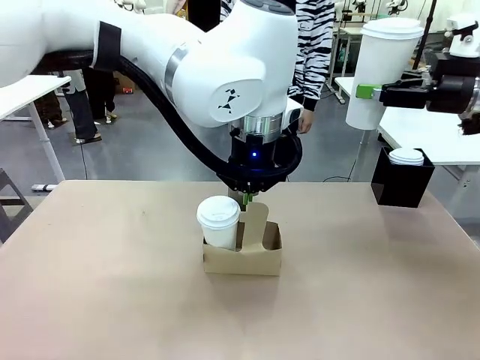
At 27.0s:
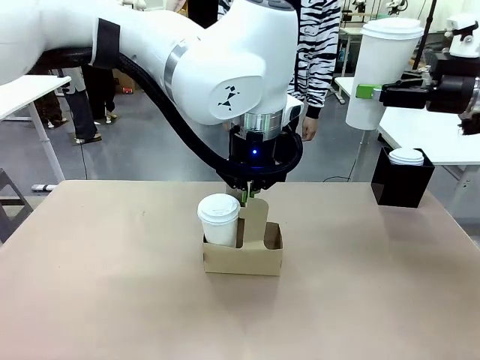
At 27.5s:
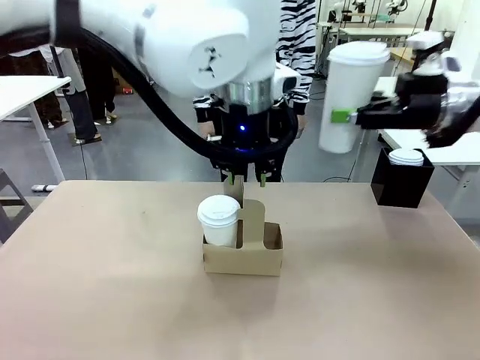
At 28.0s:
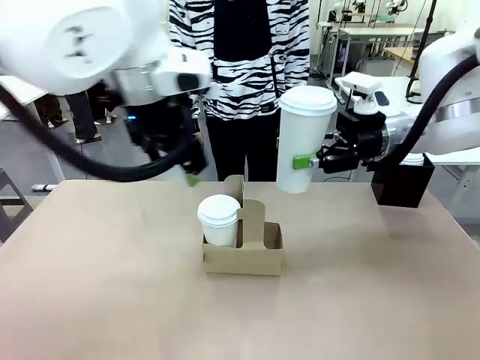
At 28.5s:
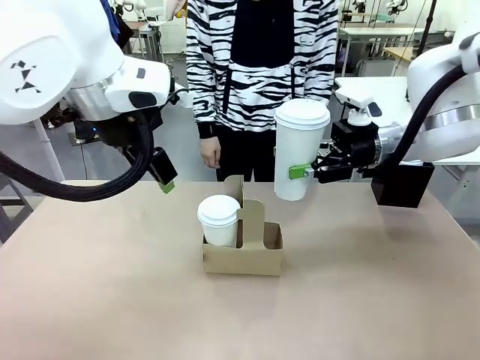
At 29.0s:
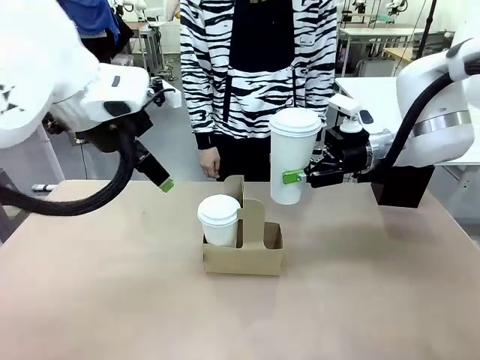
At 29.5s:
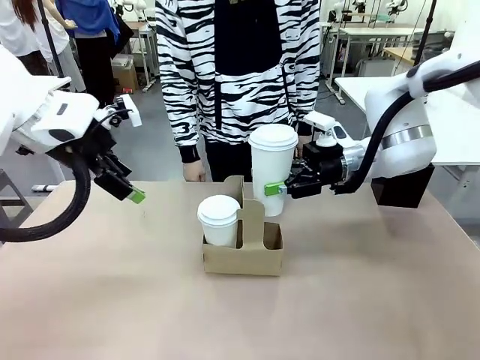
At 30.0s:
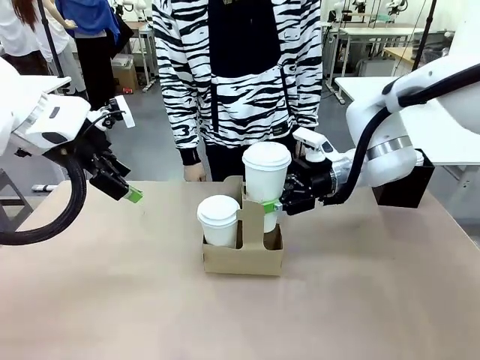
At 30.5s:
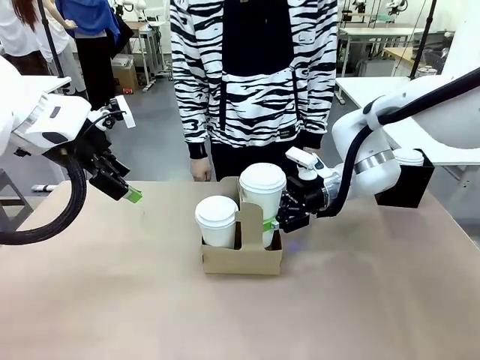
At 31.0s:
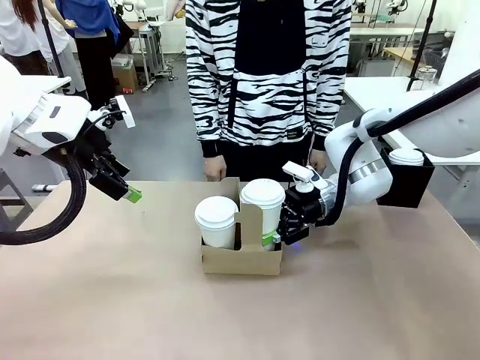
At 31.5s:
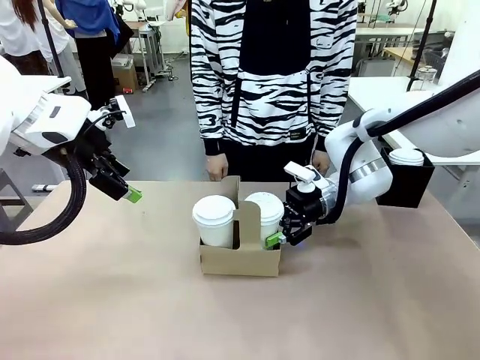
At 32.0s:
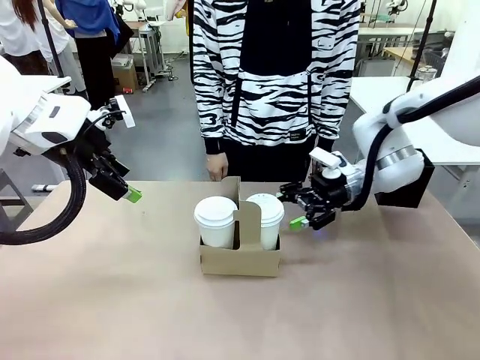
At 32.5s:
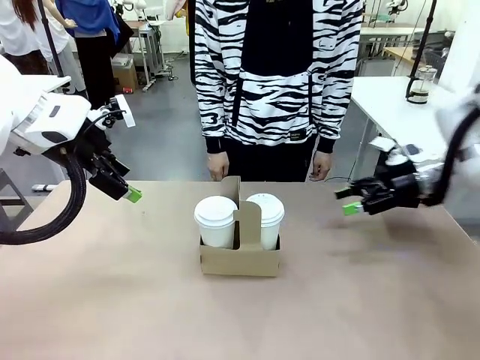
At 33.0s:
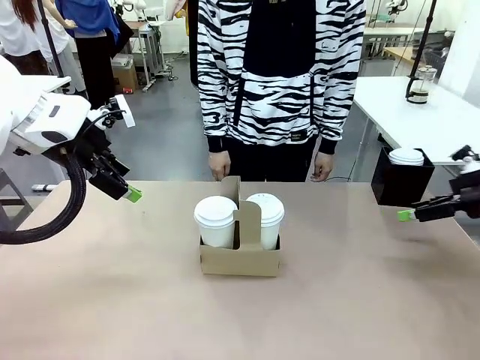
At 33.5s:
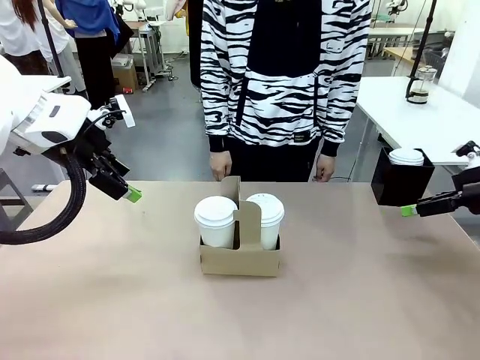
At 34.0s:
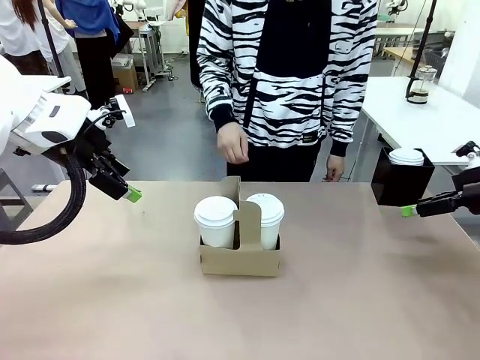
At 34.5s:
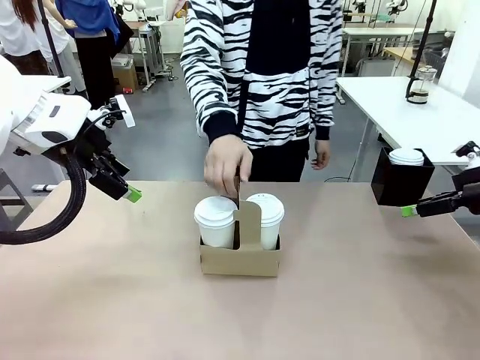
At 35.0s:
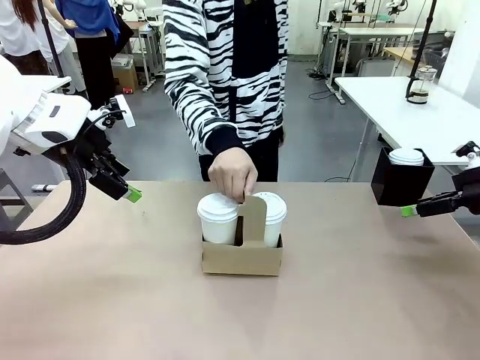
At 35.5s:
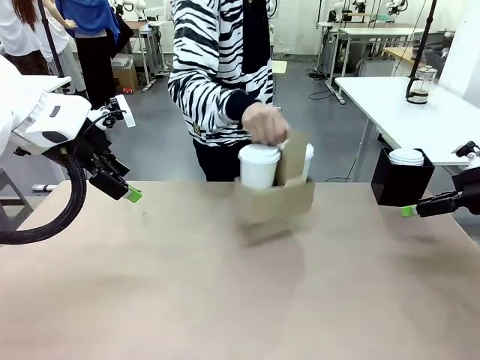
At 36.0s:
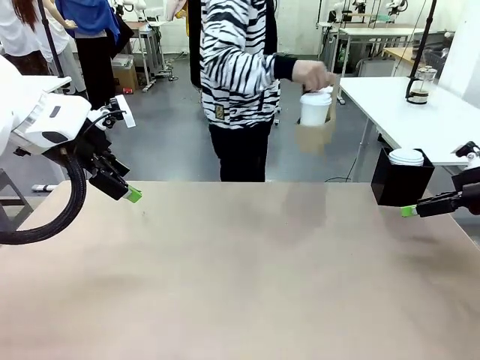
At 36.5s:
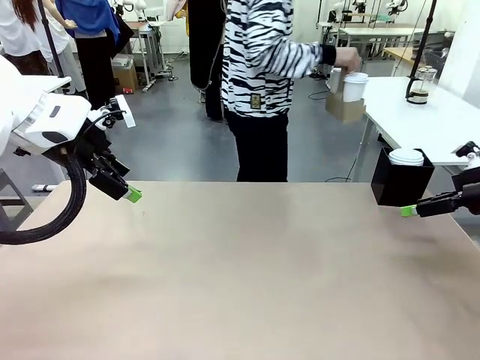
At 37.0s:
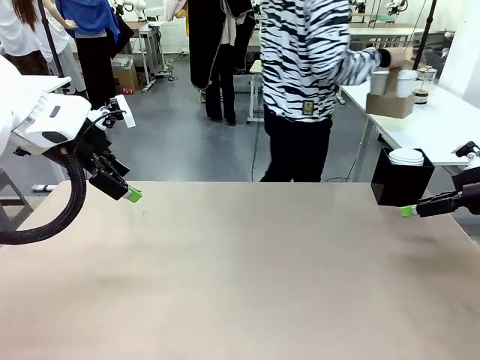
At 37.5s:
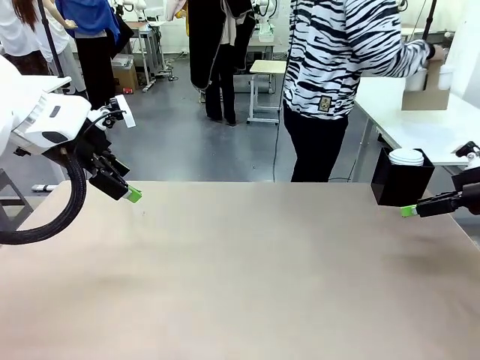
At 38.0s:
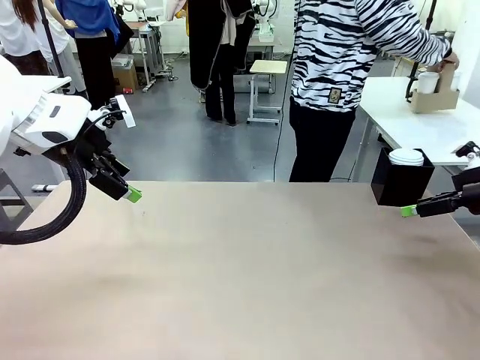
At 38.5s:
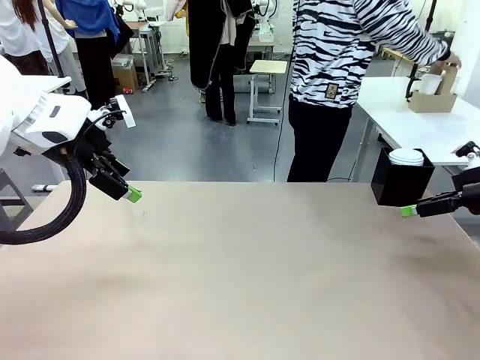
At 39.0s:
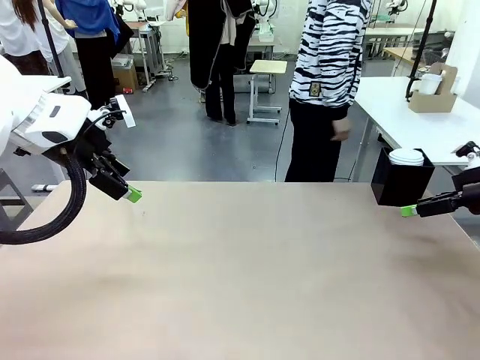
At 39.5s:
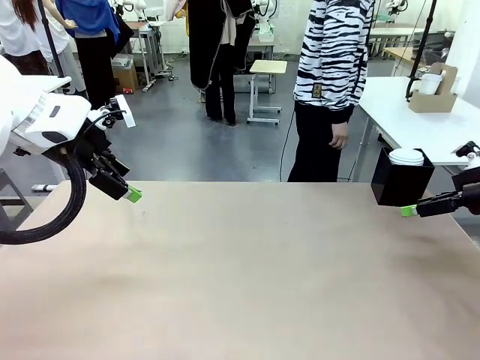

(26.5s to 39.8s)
Task: Pour a drink into a cup and package it in a carrier.
Robot: Insert the held 600 ml Paper Cup into the Cup Carrier.
Person: Place the Cup Carrier to the middle of Human table.

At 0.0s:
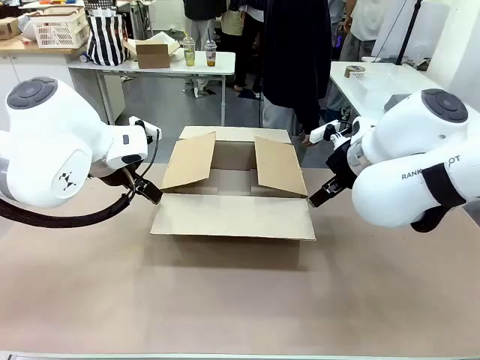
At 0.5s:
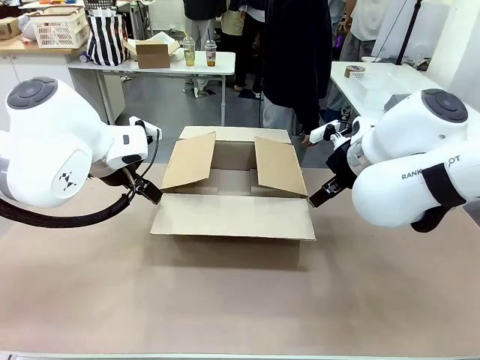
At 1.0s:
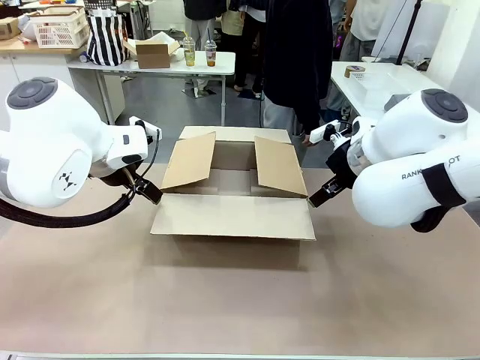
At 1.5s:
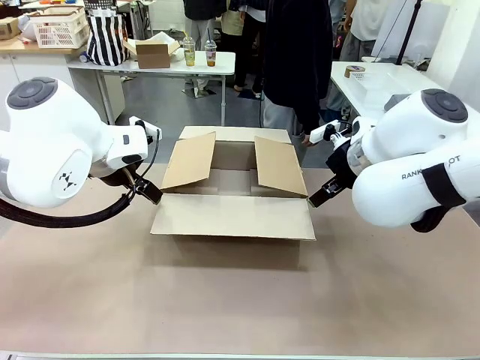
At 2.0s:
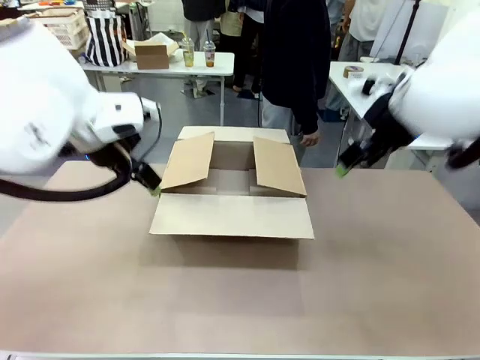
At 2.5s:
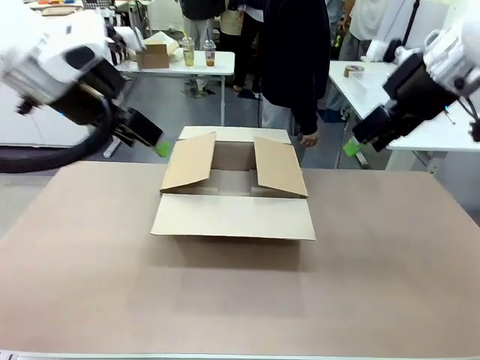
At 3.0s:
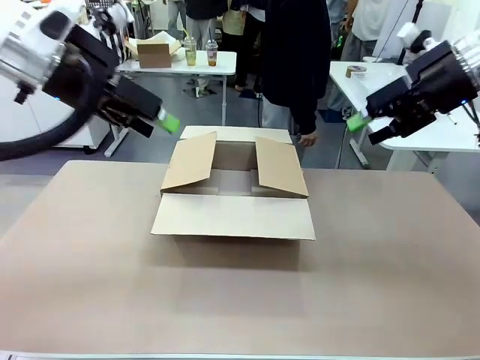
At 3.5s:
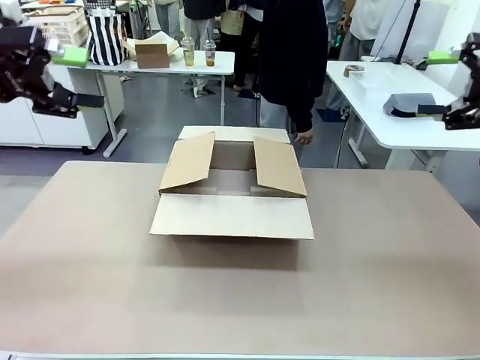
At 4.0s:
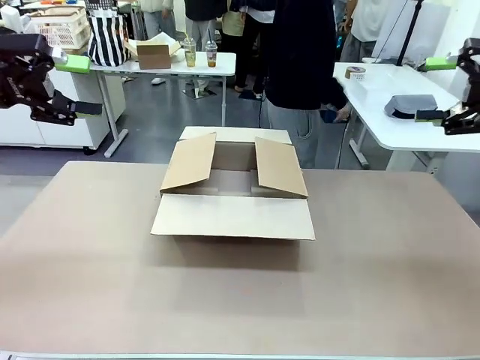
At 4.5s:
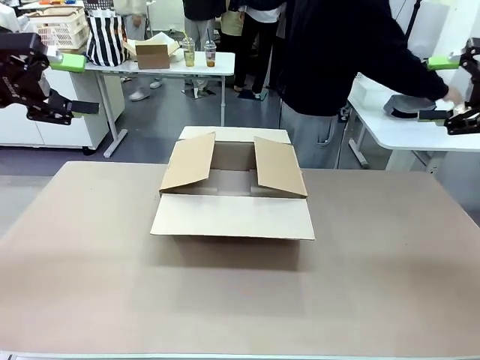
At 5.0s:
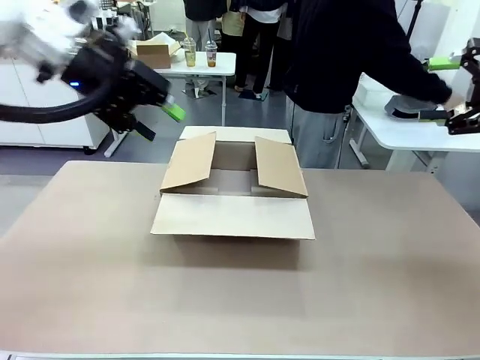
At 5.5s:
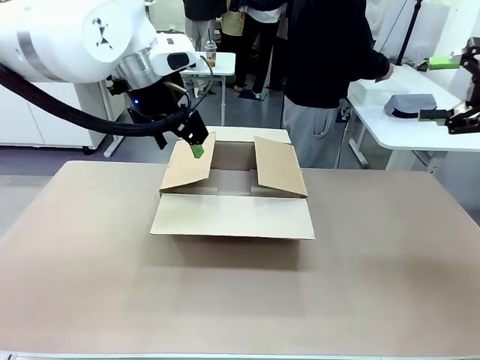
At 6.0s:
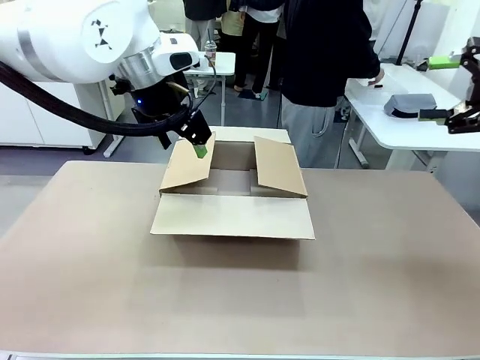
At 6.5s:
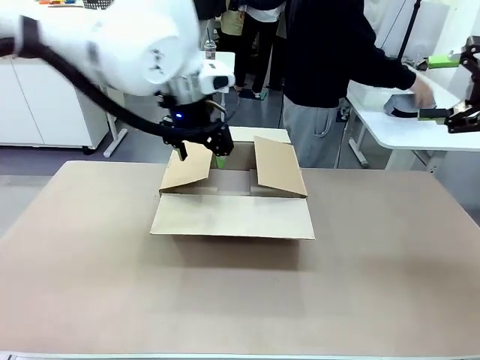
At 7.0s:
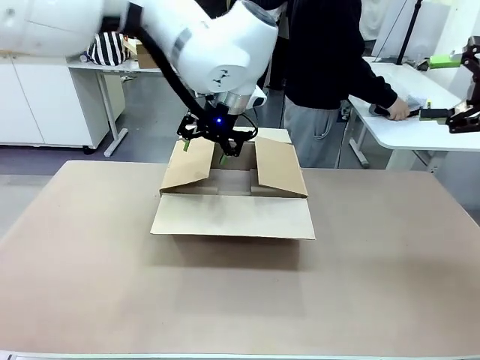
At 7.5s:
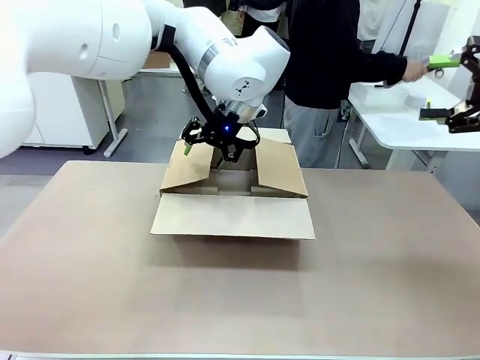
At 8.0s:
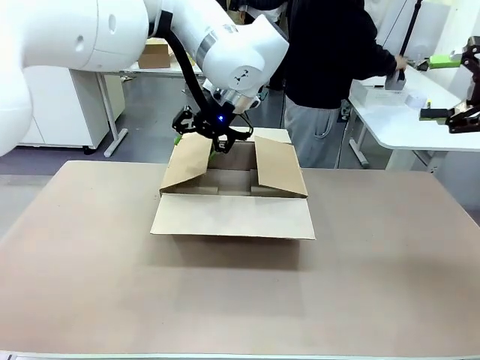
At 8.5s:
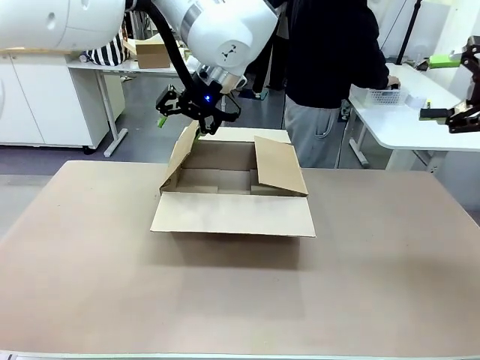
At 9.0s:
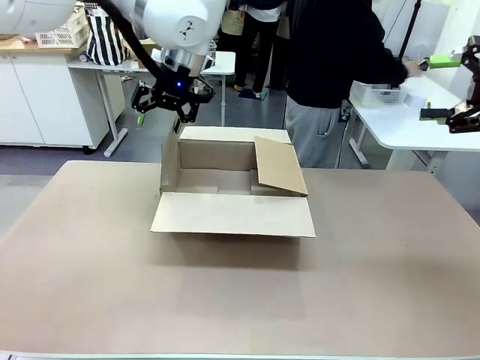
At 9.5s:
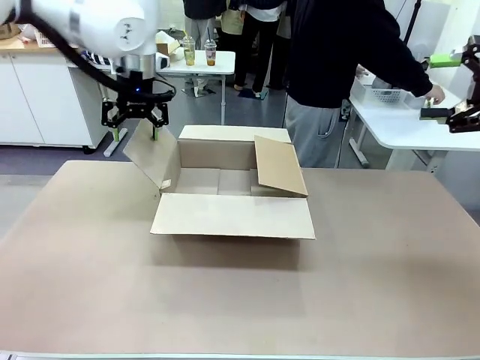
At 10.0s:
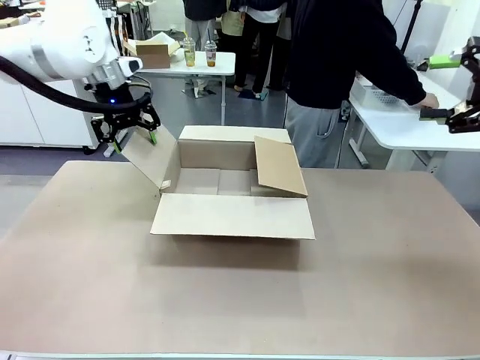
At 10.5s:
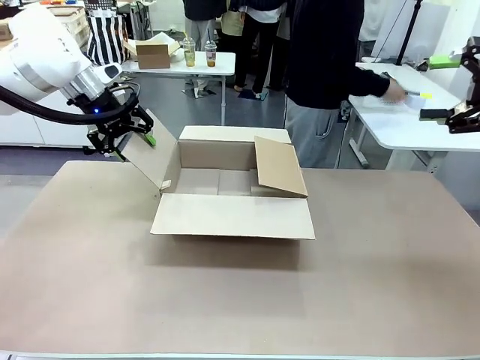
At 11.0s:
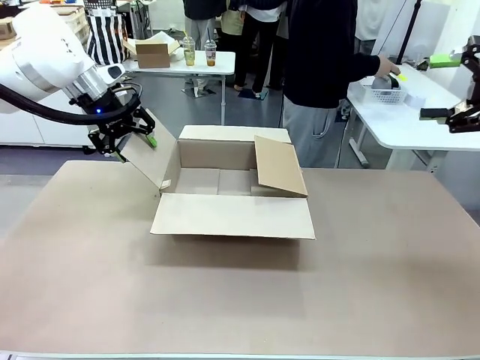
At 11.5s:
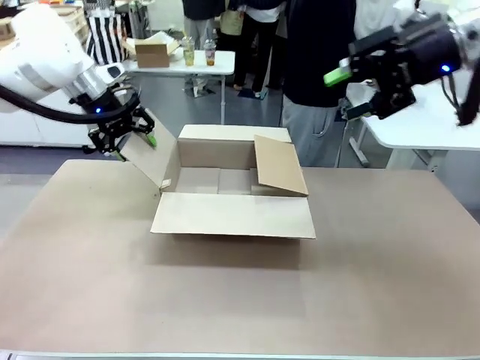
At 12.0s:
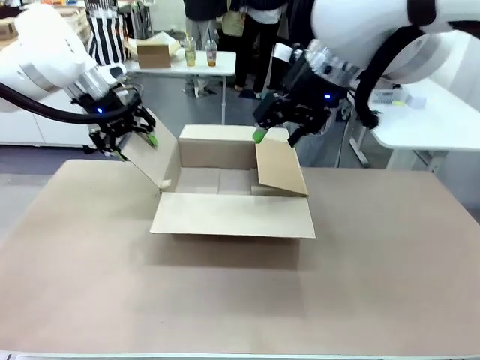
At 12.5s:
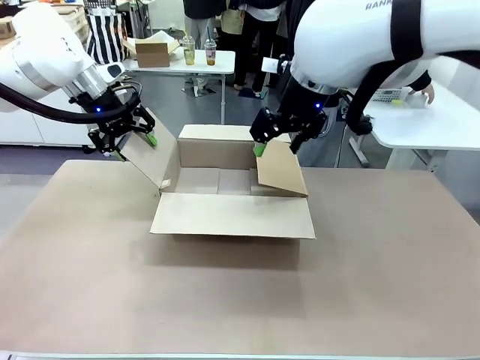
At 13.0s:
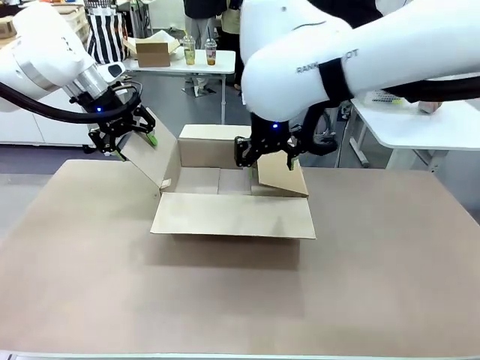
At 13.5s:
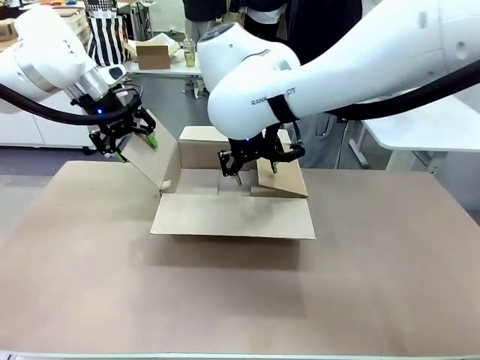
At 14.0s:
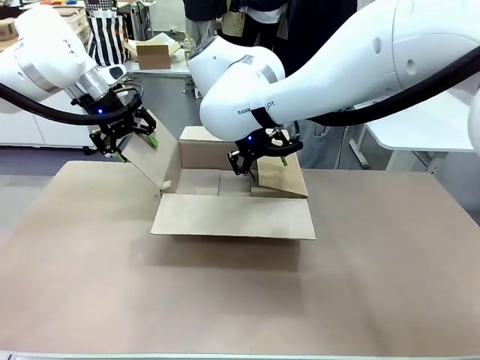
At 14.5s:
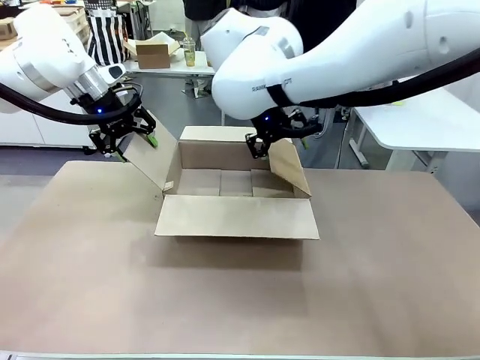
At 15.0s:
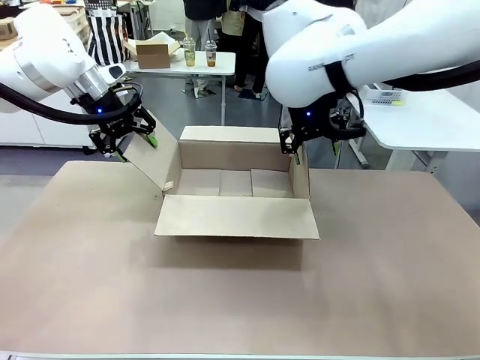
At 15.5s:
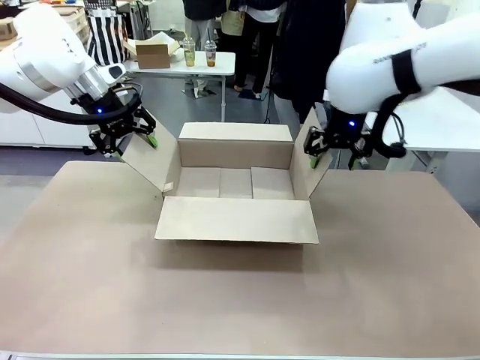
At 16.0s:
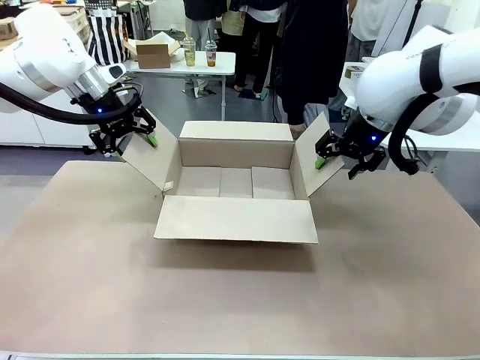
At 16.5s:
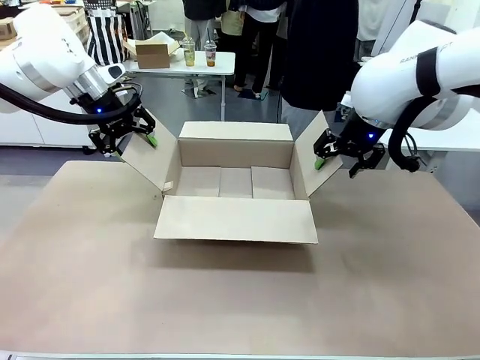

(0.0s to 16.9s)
Task: Pack the gift set into the box.
Robot: Place both hands on the side flaps of the Package Box and spread them outward.
Person: The human places all items except the paper tape into the organizing basket.
